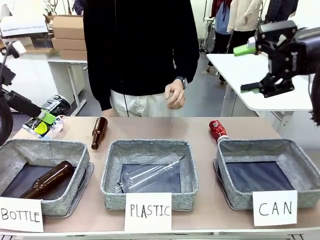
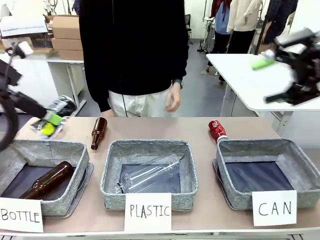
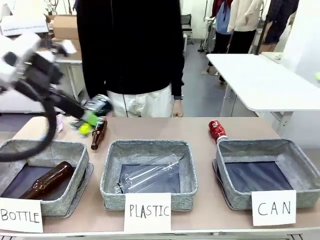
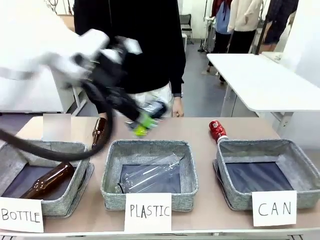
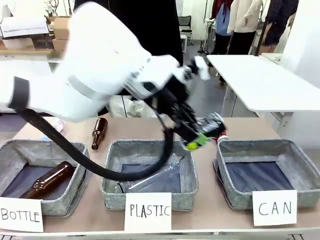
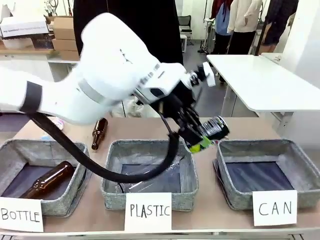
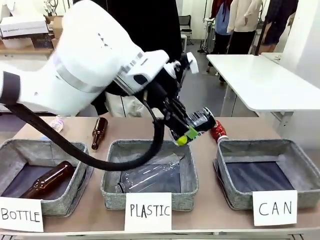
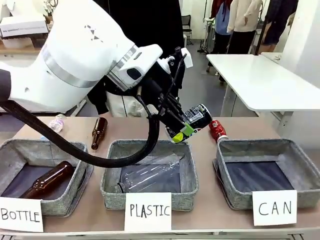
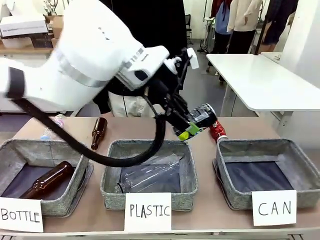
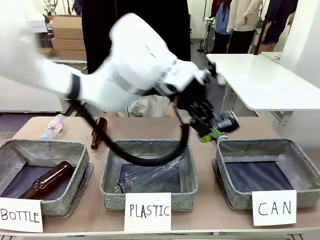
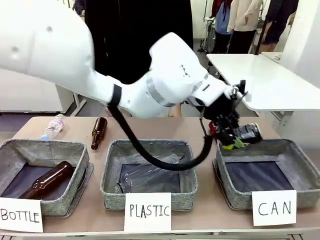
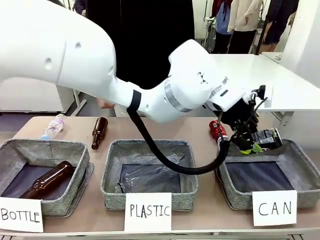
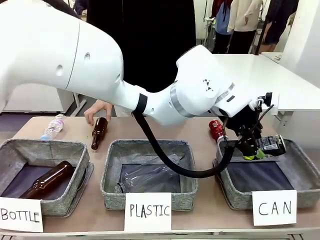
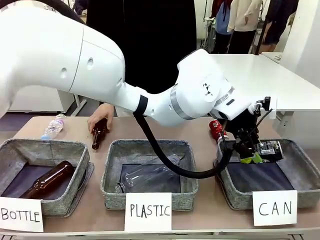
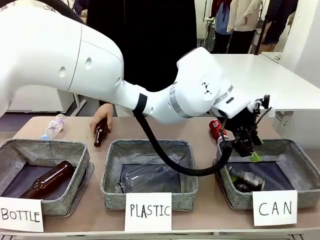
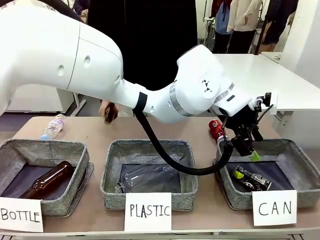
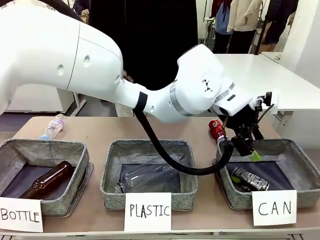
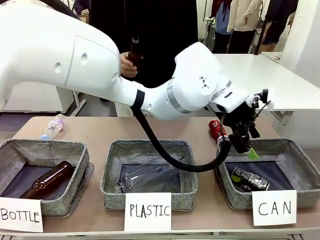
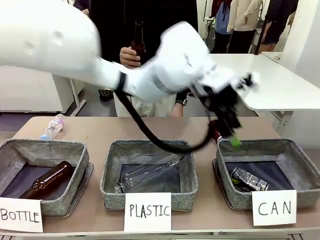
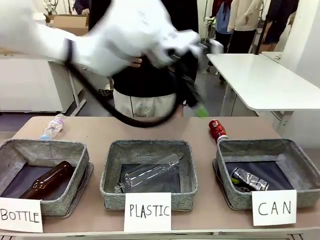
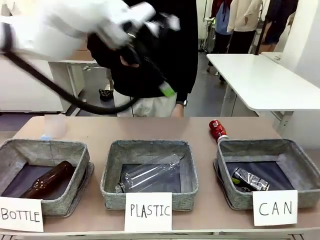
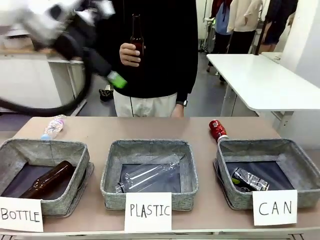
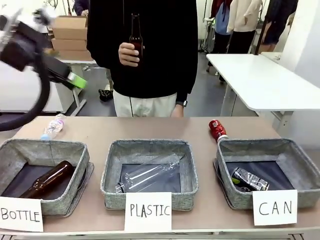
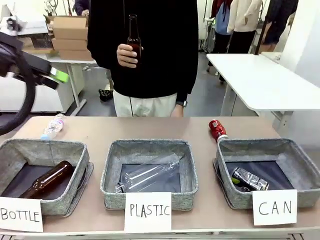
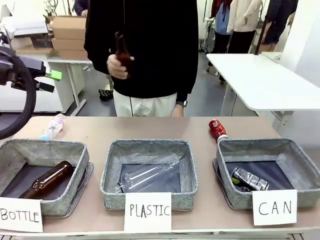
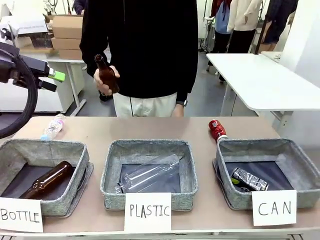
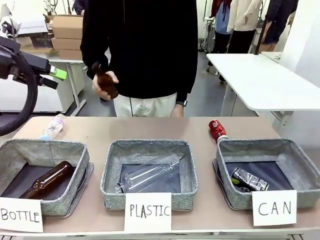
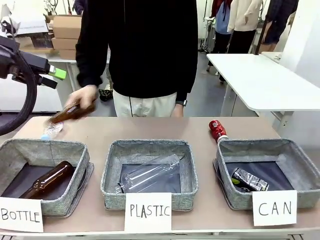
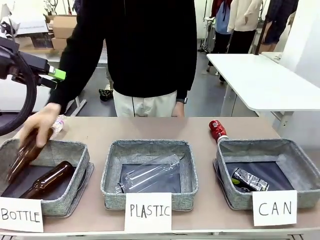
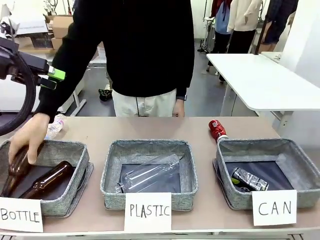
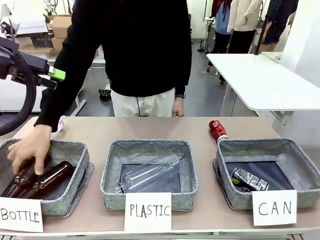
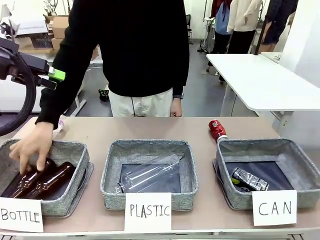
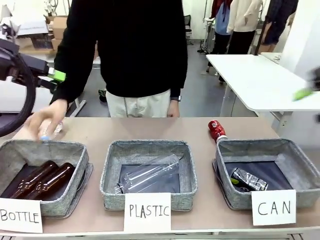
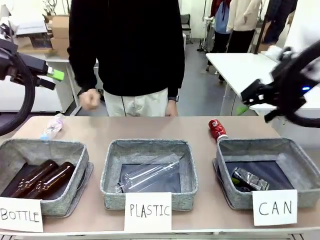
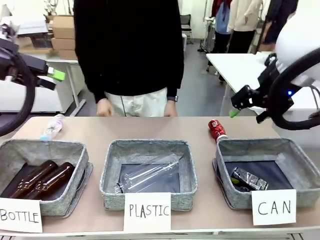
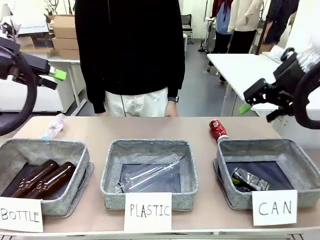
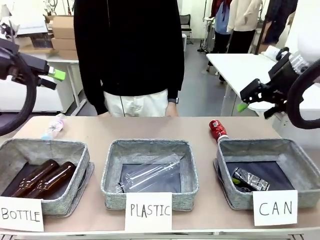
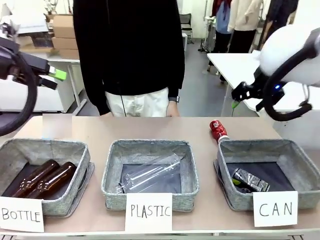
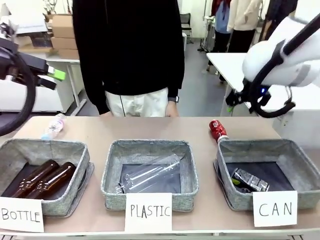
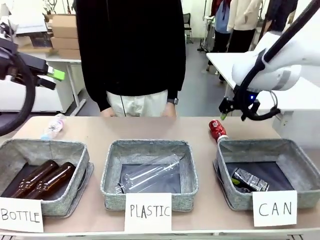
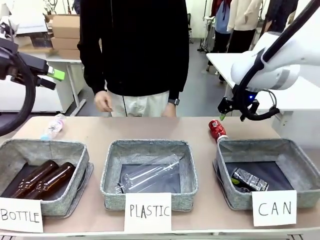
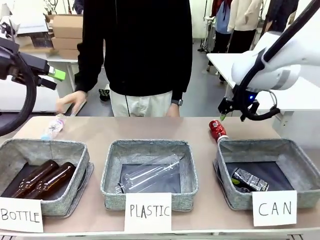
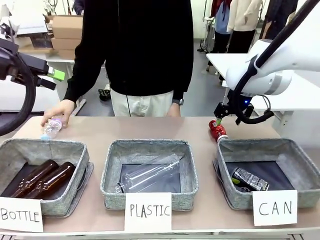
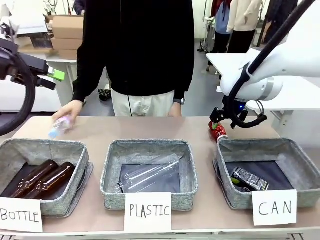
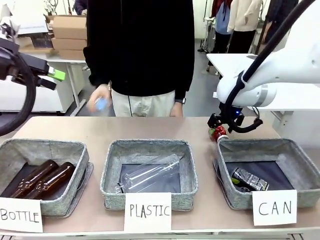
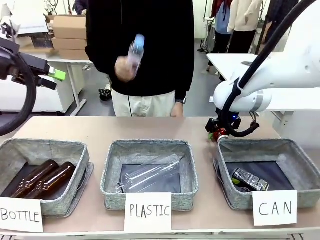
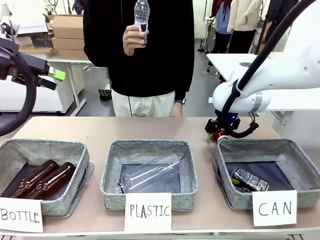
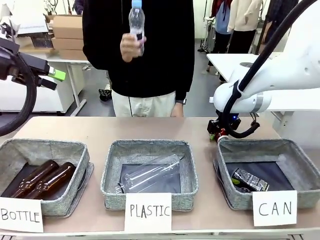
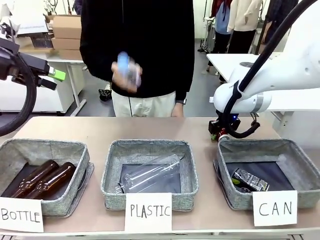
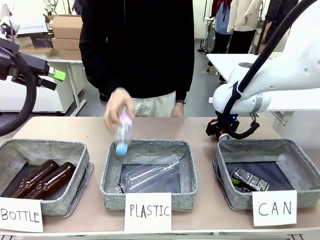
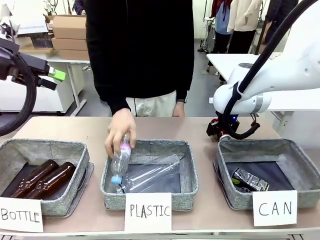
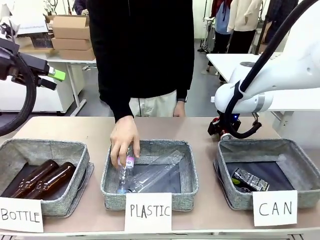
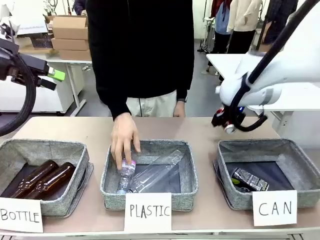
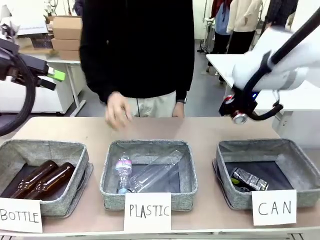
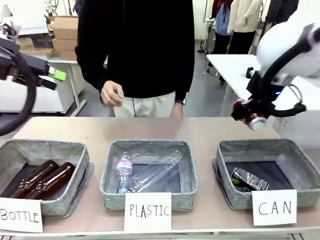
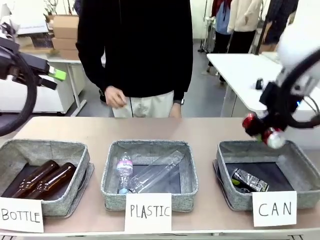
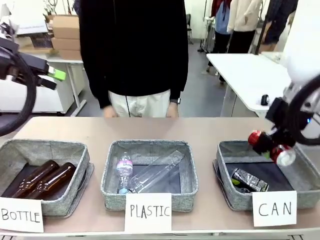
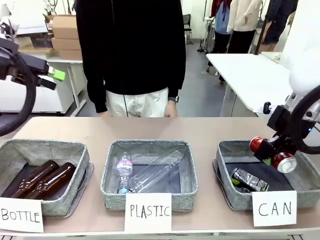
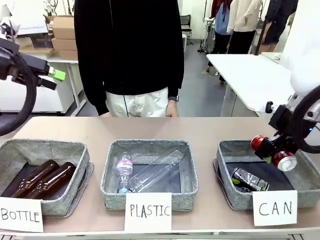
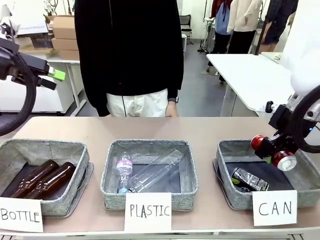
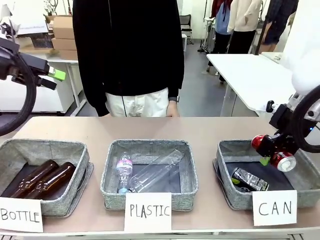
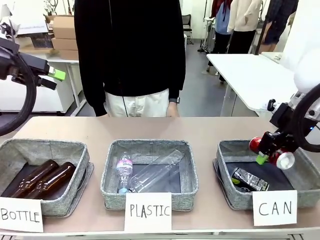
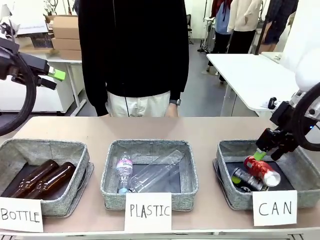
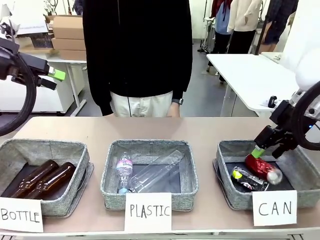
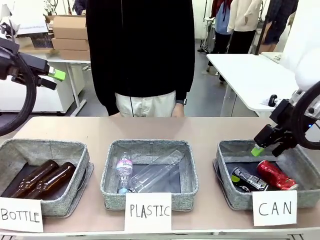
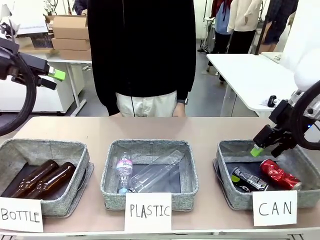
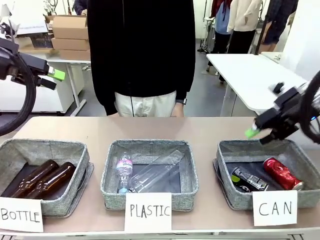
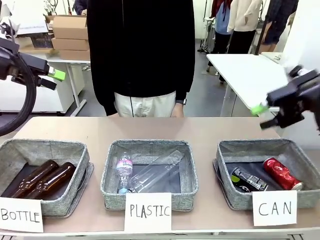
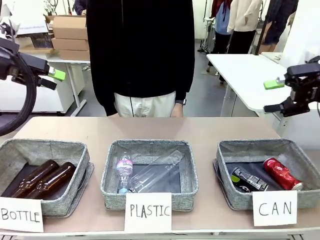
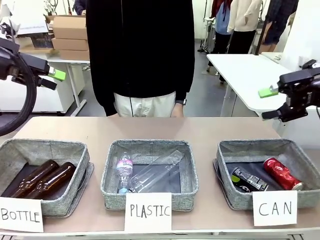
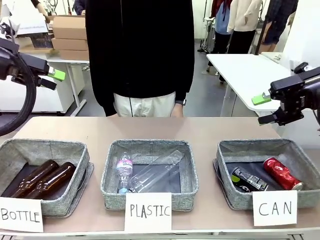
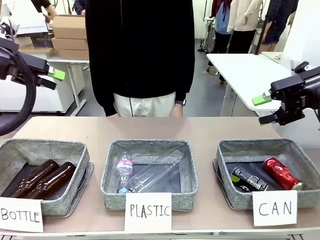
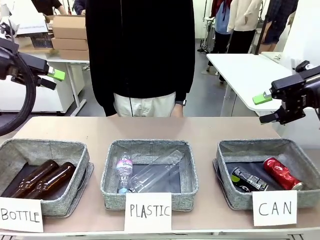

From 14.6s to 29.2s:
Task: Sort the can waste into the basket.
Robot: Pick up the can waste from the table and place it in the right Fabric basket.
